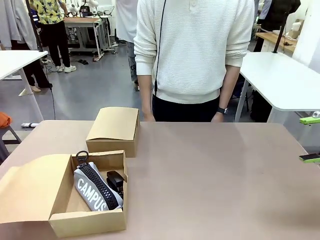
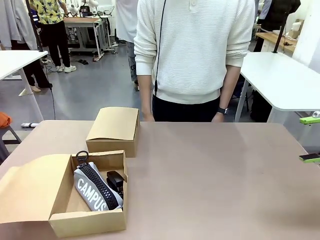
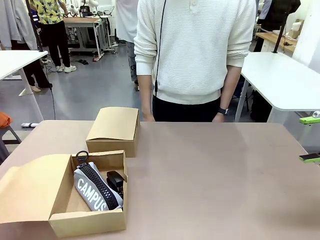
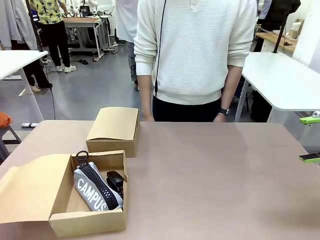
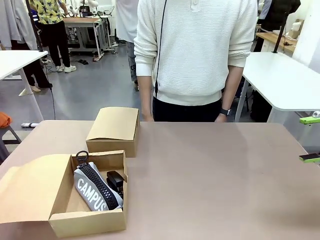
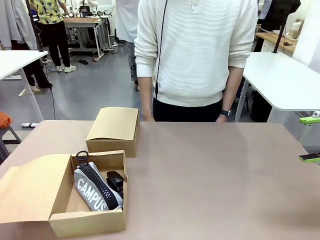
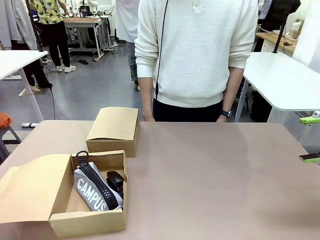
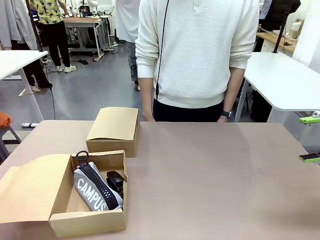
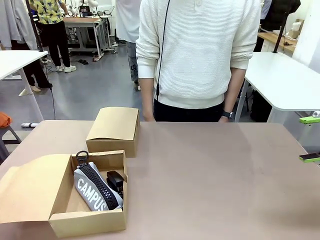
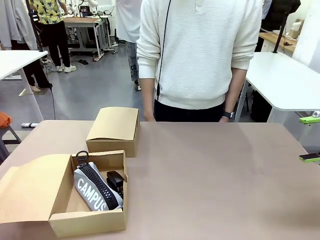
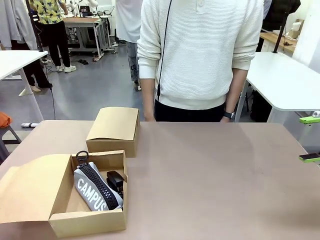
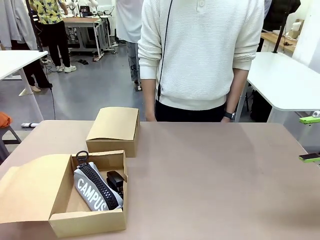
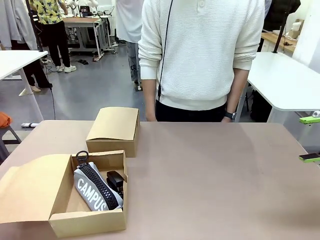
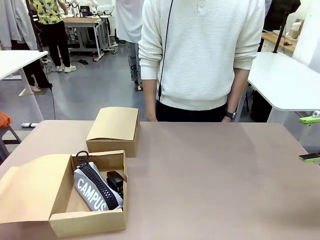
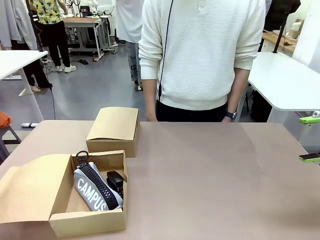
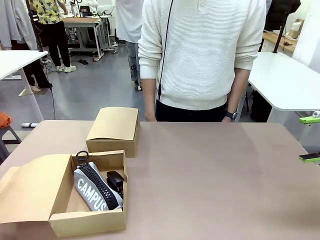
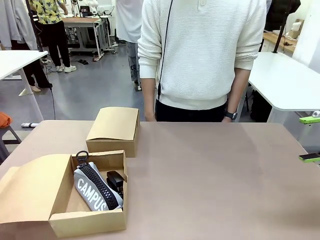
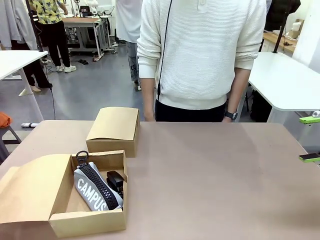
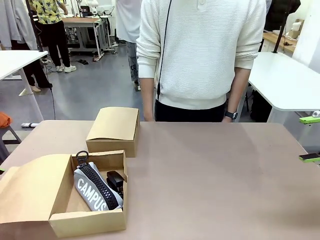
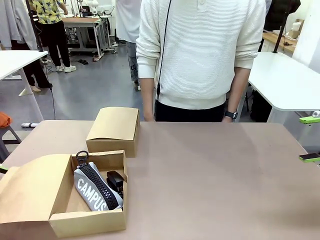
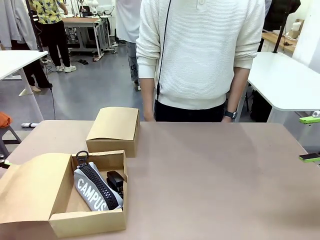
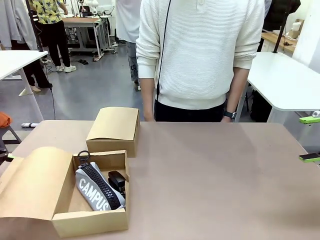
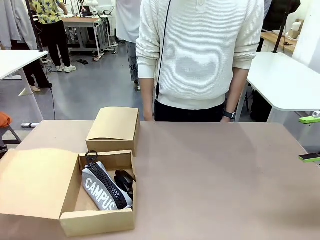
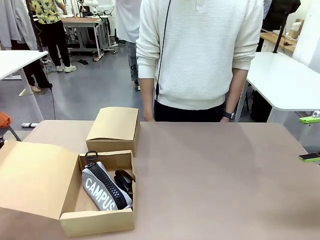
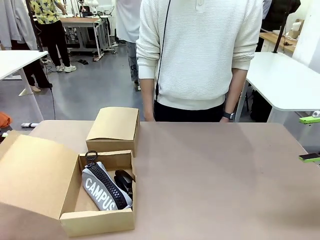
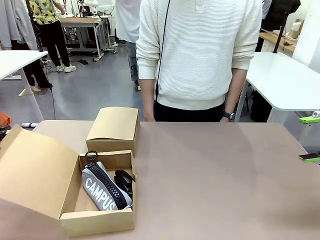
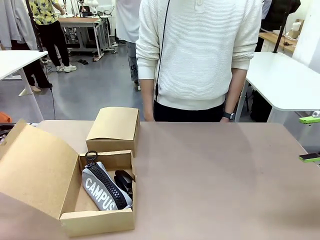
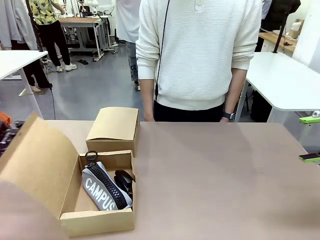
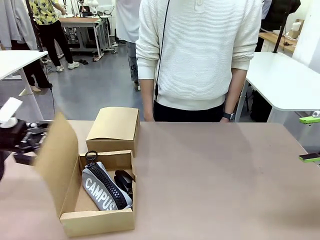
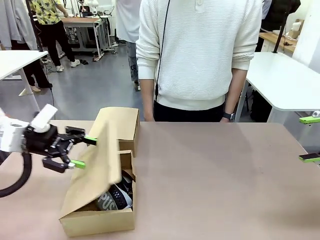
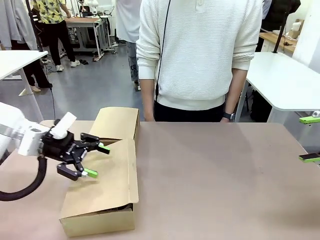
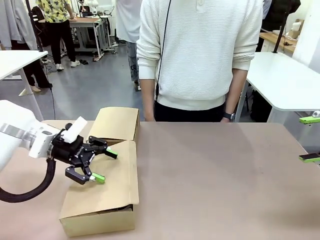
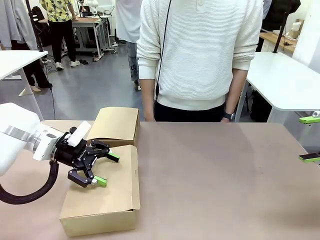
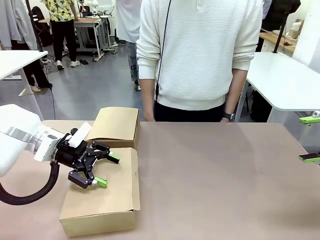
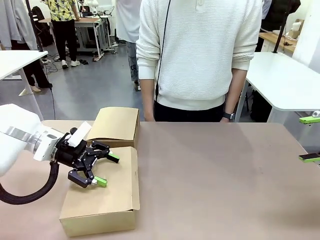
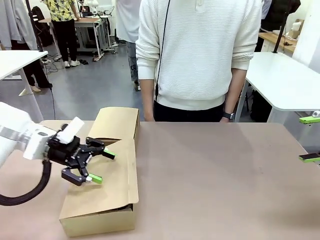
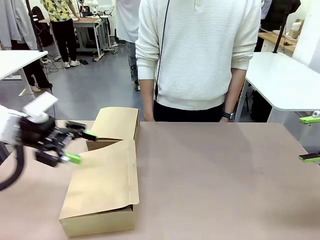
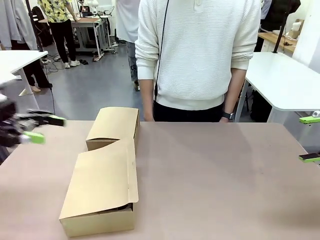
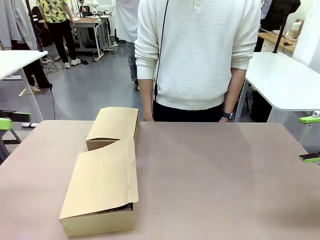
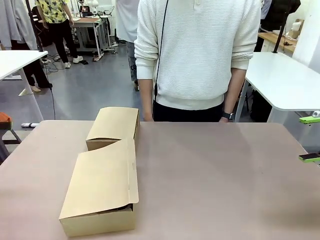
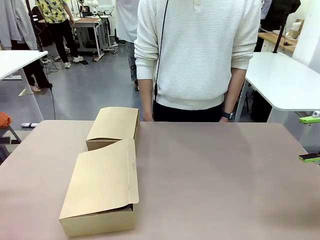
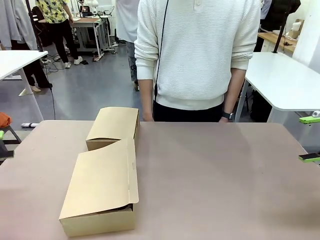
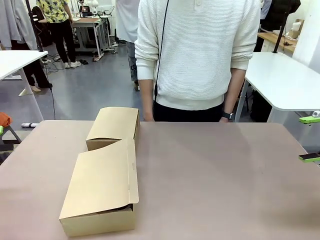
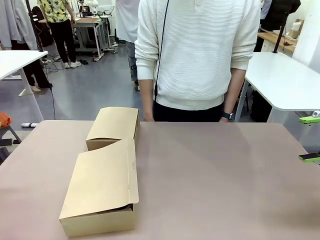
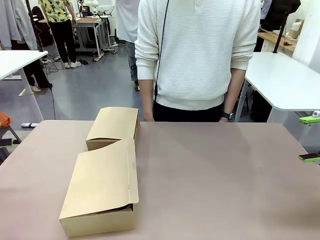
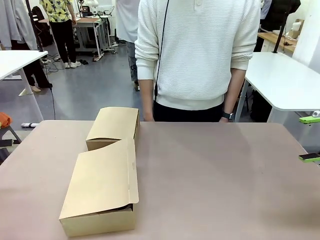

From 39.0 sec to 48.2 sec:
Task: Place items inside the box.
Robot: Close the lid of the Mailer Box closest to the robot.

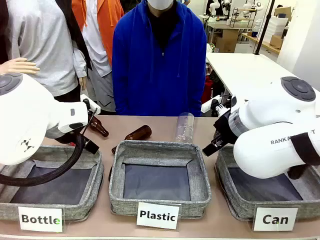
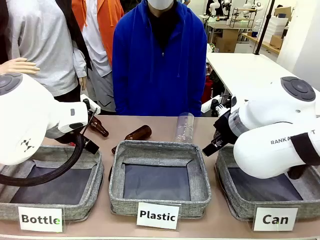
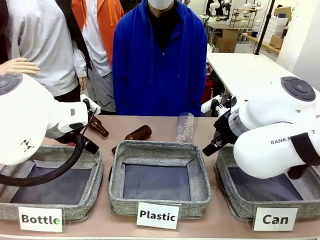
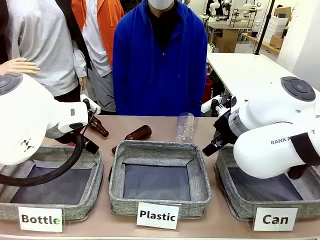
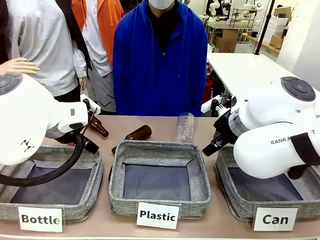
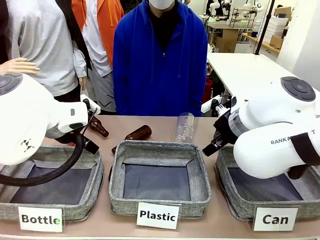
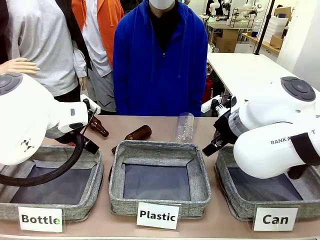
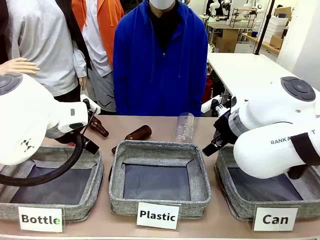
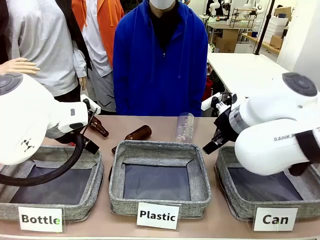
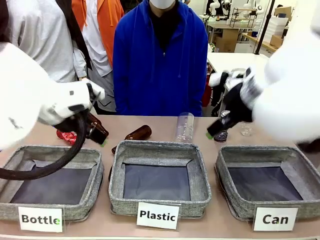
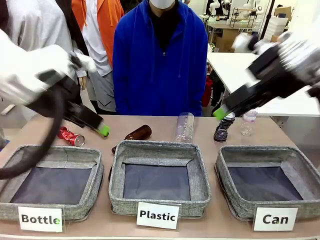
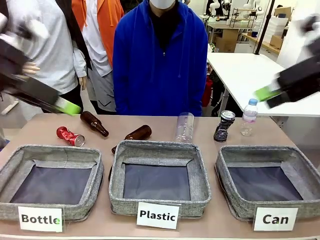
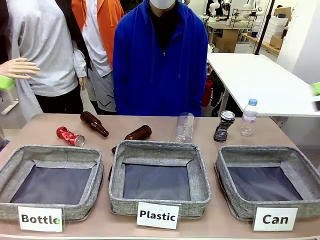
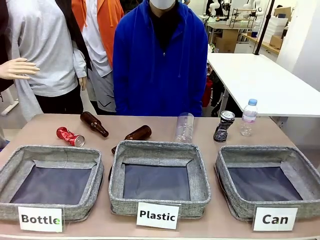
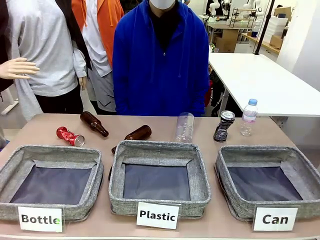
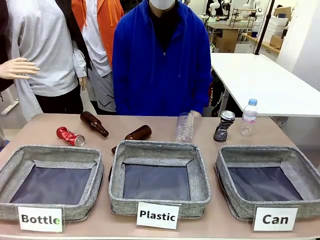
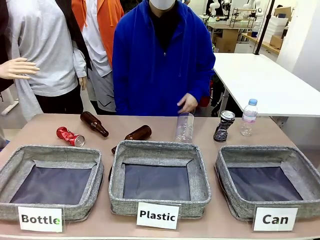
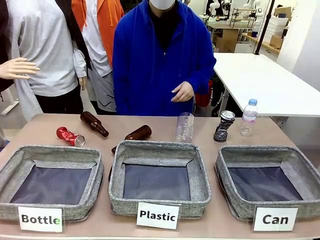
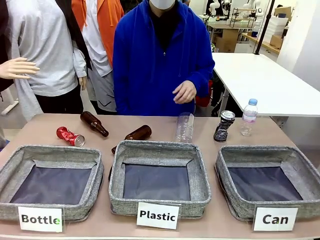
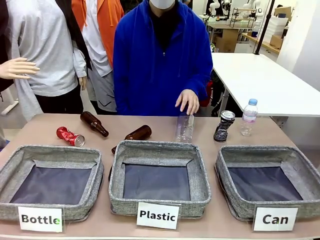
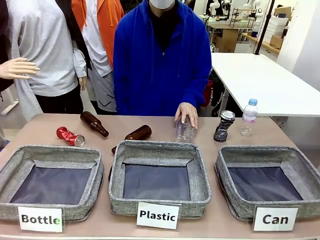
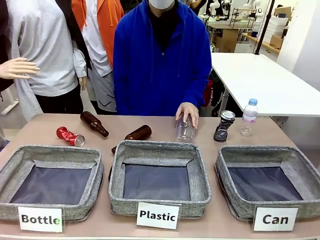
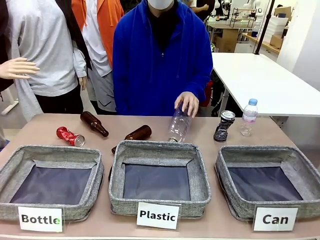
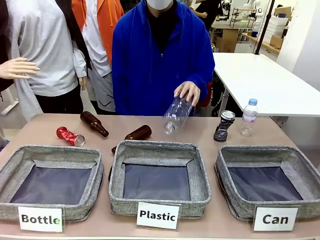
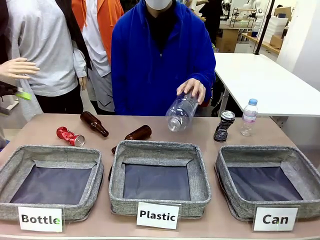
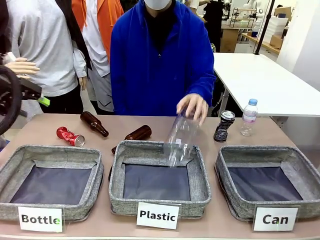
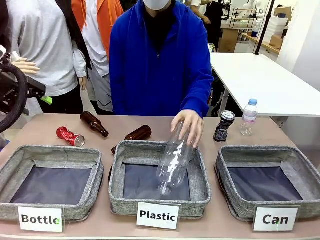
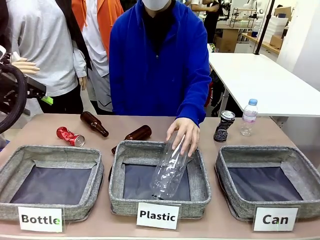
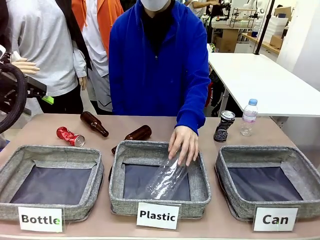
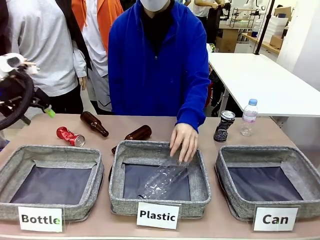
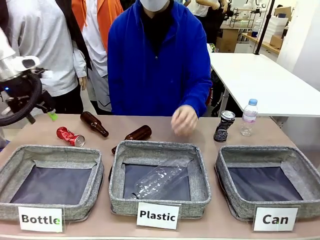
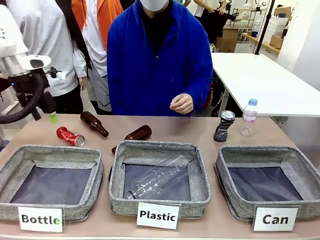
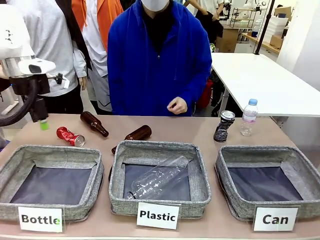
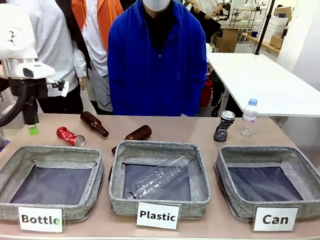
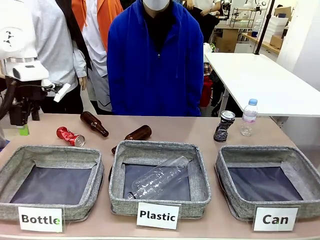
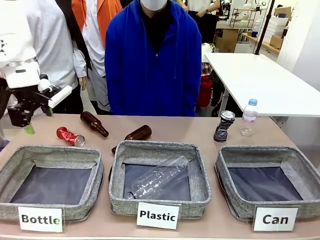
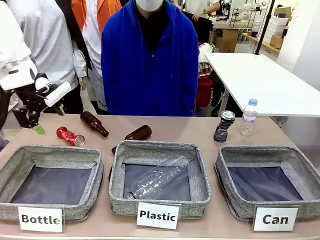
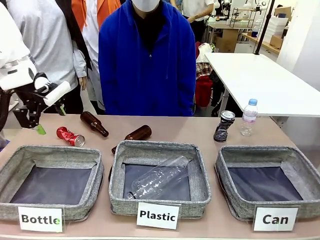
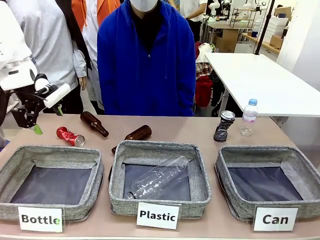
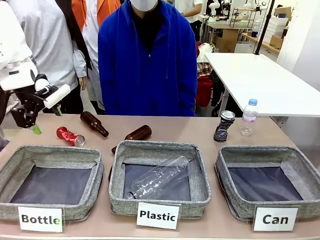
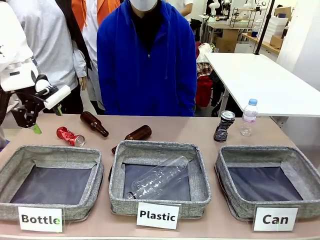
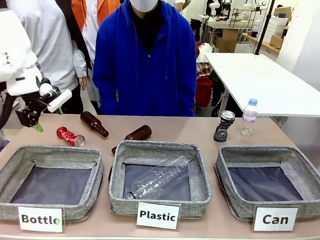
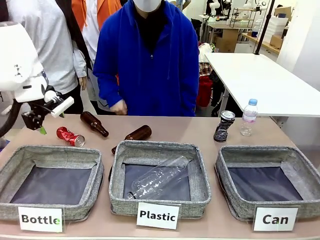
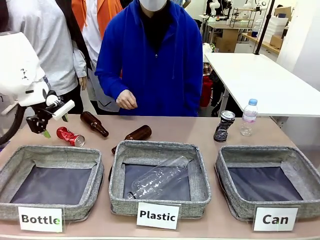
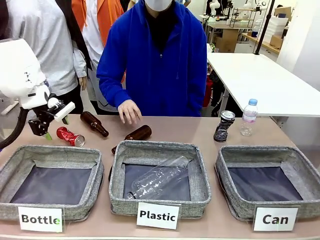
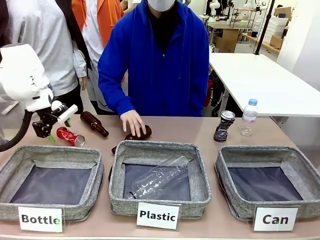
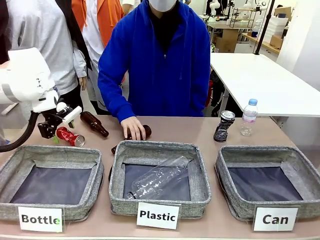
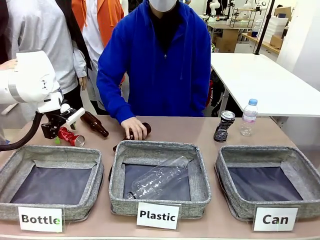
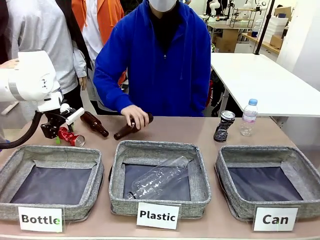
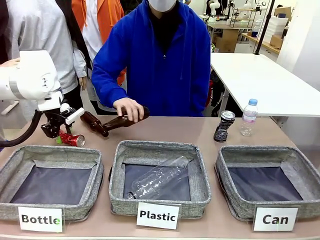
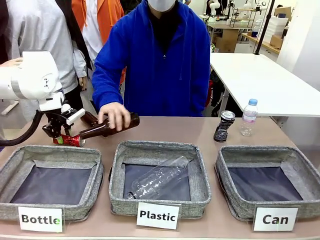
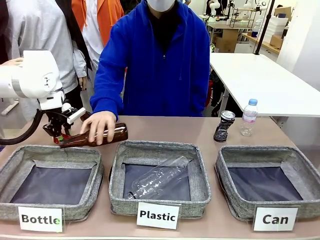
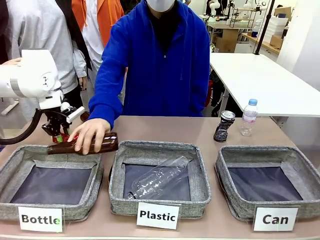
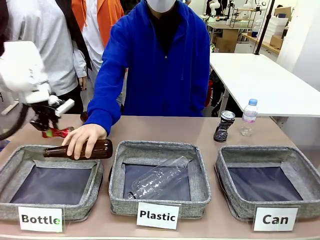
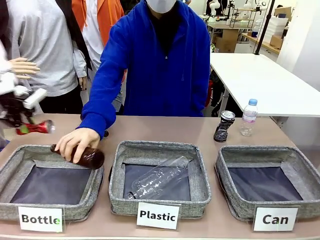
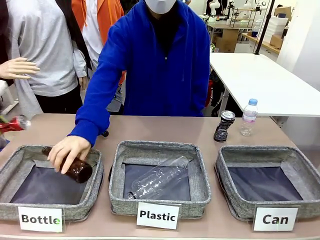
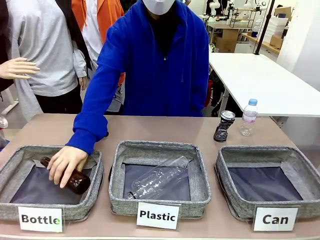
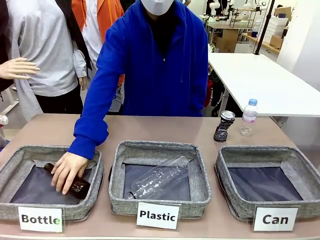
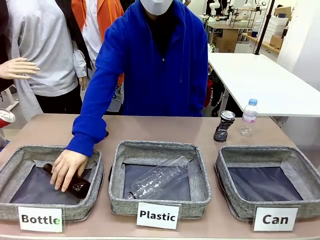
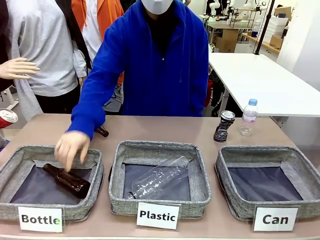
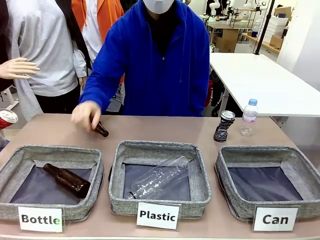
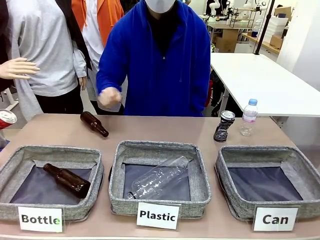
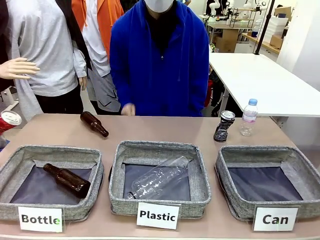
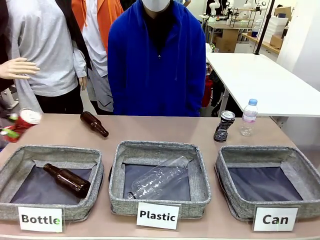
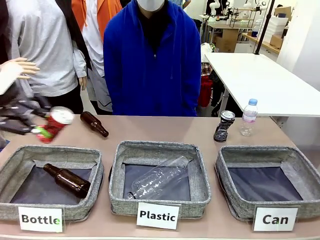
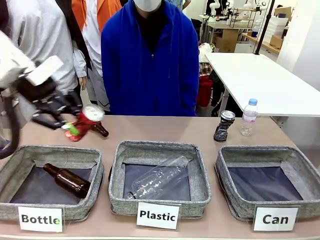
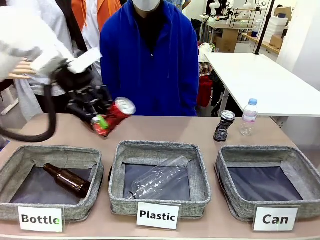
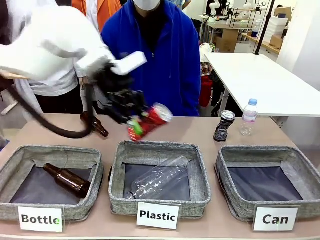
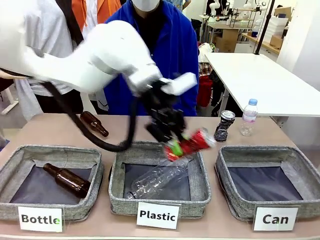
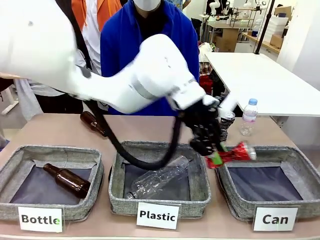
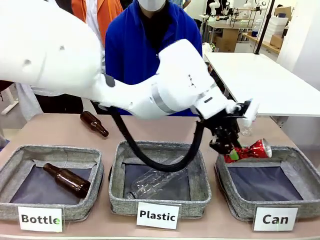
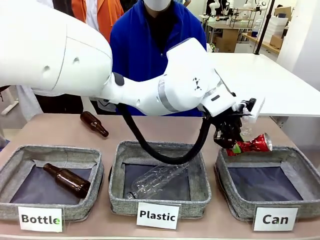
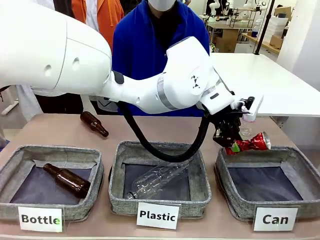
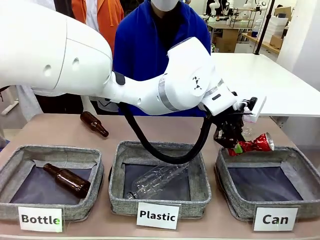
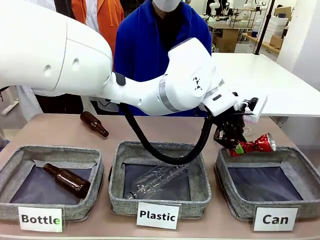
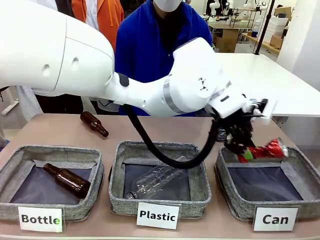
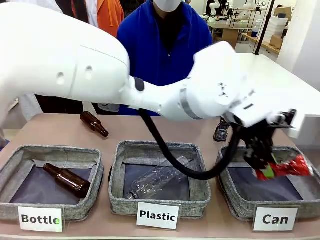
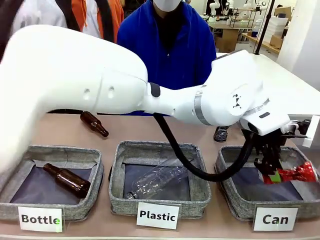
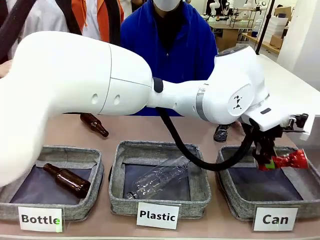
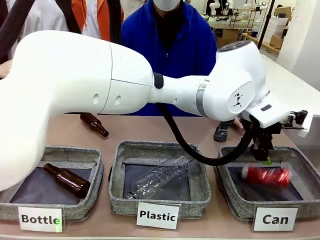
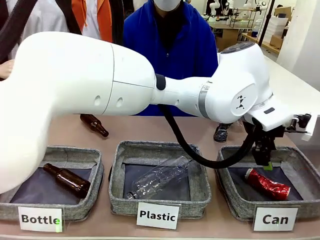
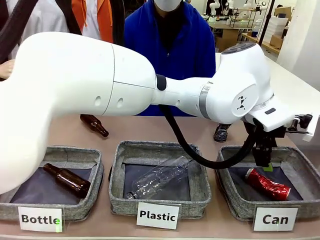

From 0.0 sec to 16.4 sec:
Task: Sort the can waste into the basket.
Robot: Pick up the can waste from the table and place it in the right Fabric basket.
